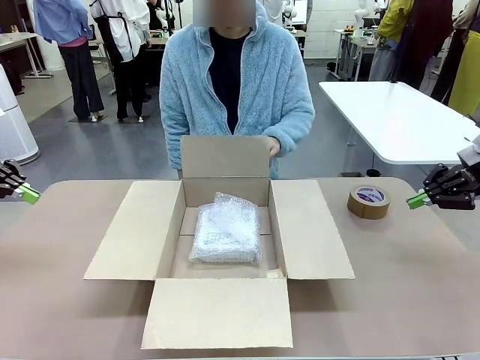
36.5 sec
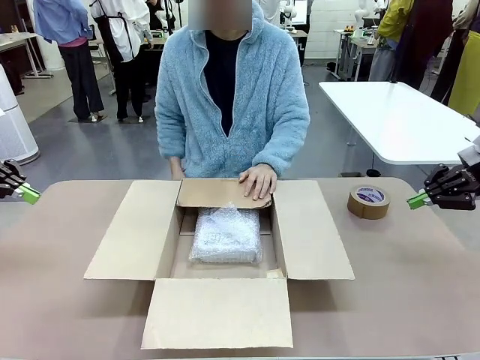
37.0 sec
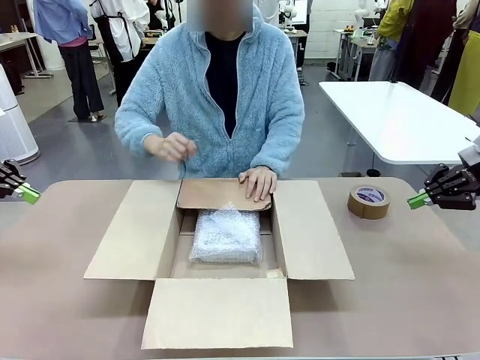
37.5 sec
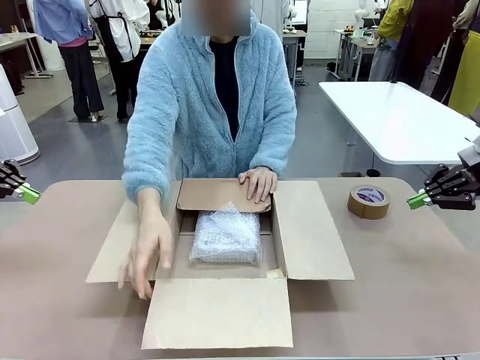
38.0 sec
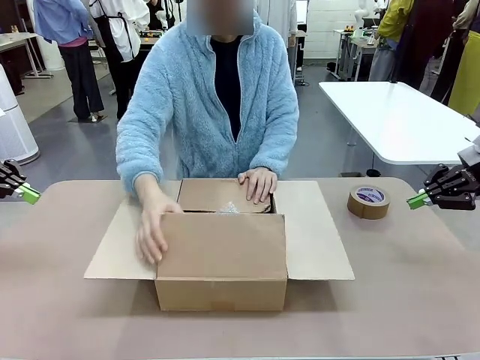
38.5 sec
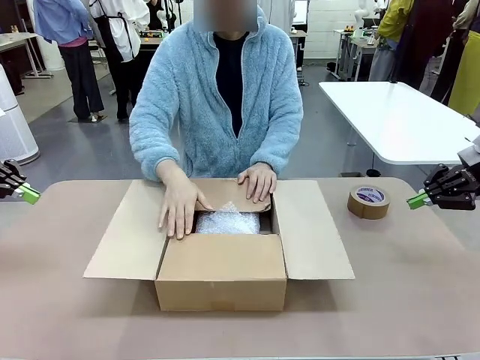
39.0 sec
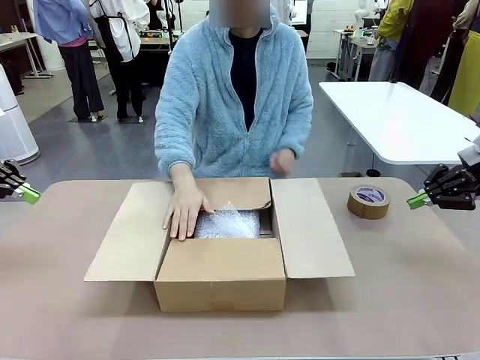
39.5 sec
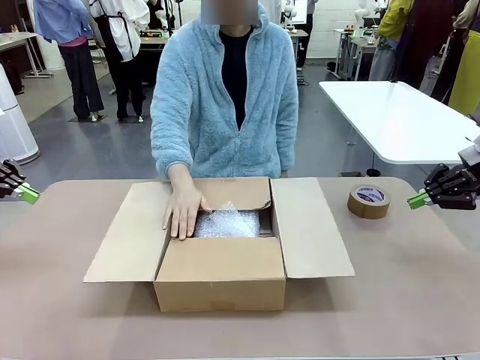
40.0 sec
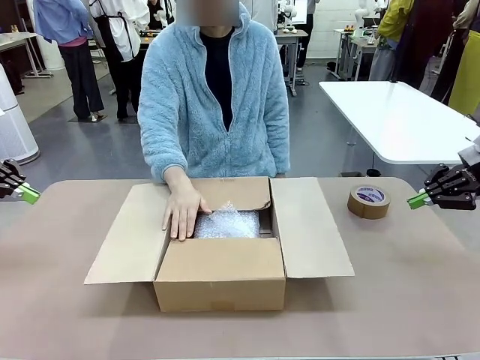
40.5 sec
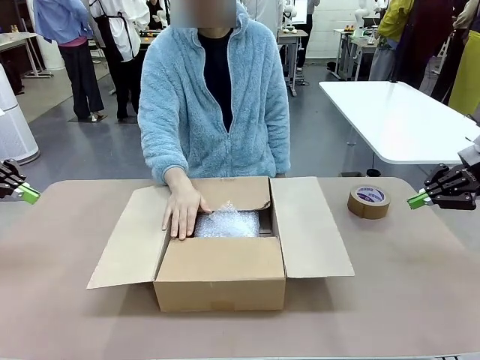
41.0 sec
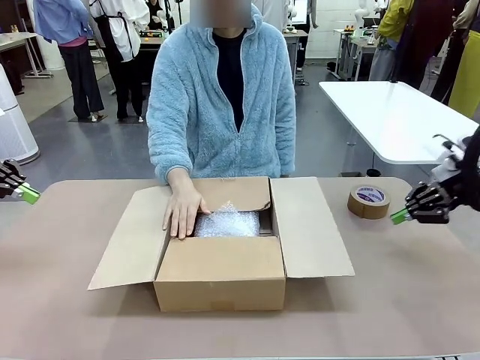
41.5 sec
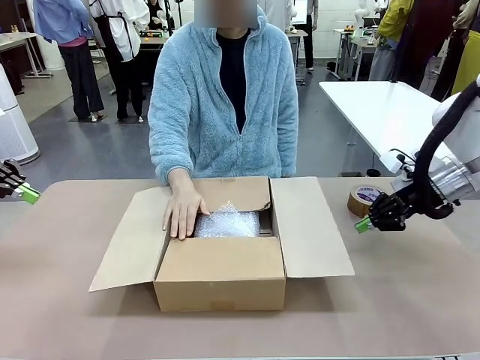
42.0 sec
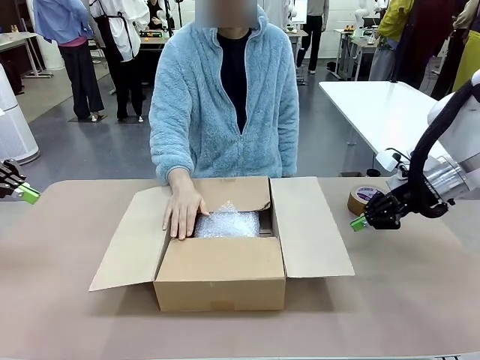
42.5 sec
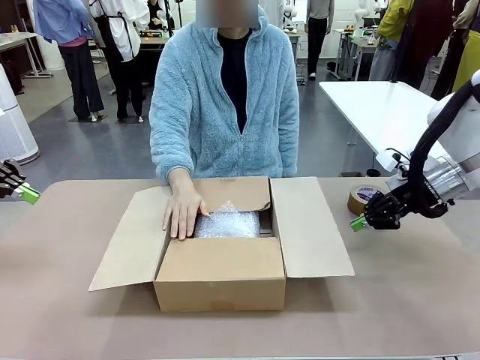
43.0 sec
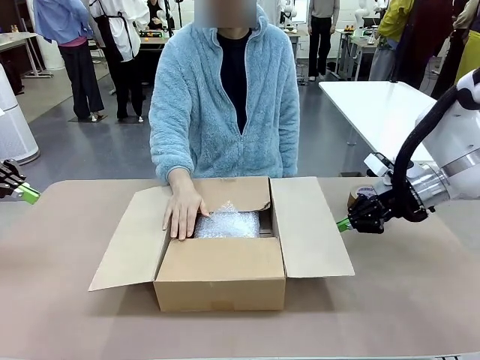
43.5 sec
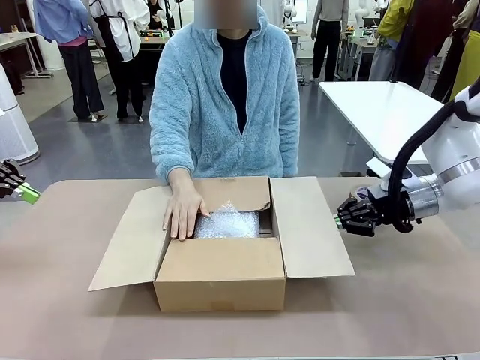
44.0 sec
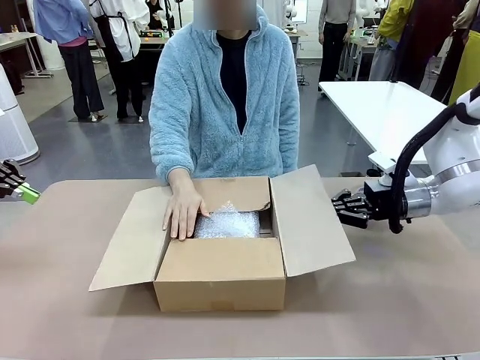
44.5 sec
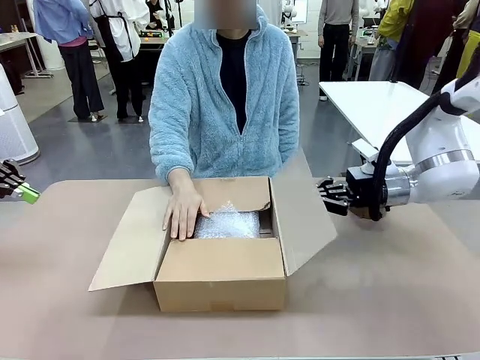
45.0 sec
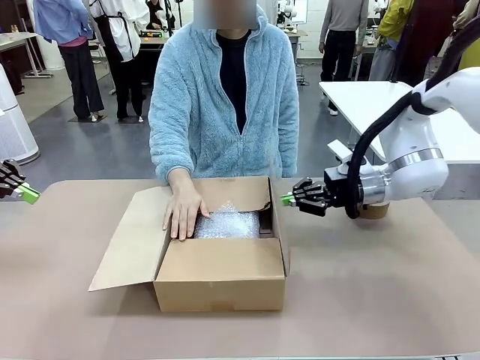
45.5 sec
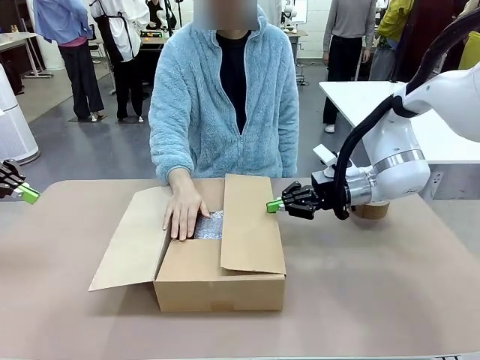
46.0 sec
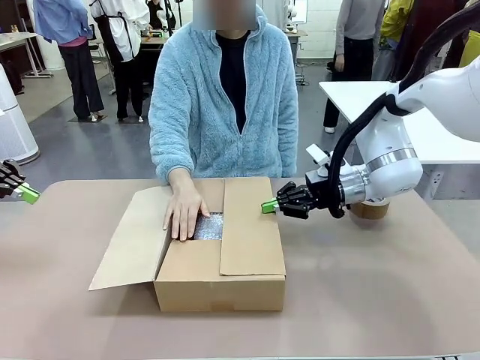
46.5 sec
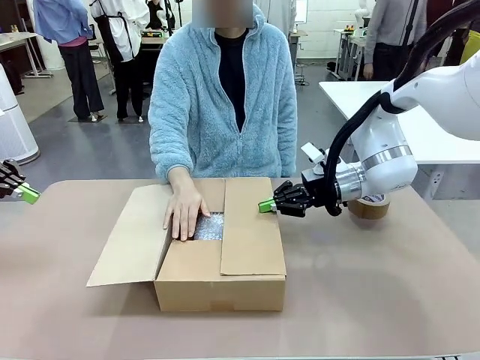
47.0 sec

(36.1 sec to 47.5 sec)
Task: Wrap the clocks to prevent damage.
Robot: Push the right (or left) flap of the Package Box to close it.
Person: Once the robot closes the right flap of the Package Box , release your left hand from the box.

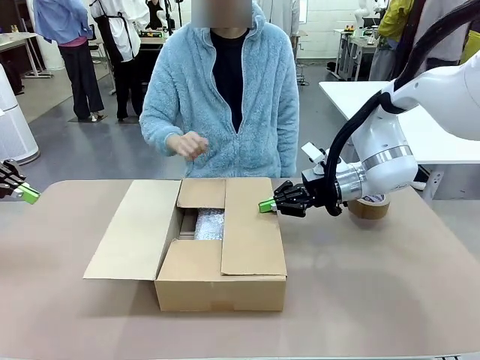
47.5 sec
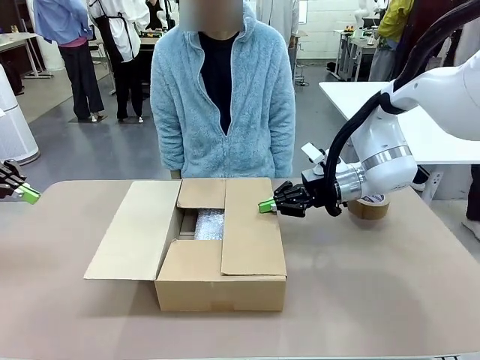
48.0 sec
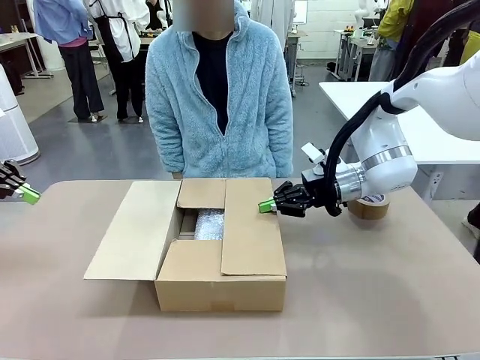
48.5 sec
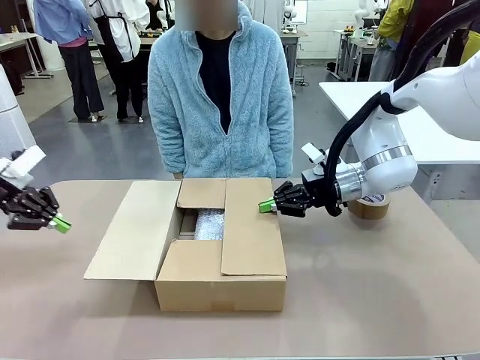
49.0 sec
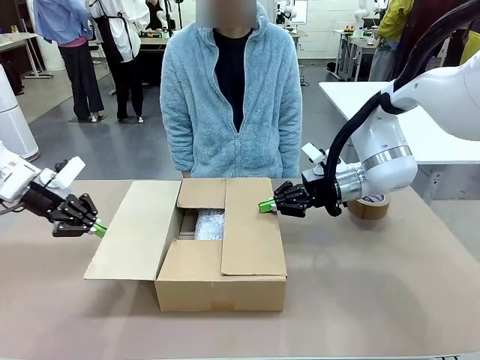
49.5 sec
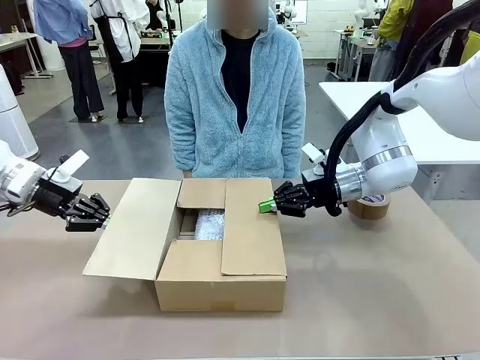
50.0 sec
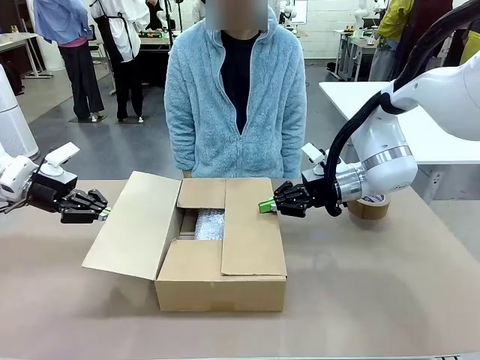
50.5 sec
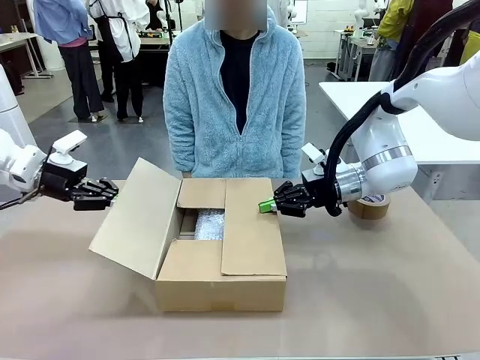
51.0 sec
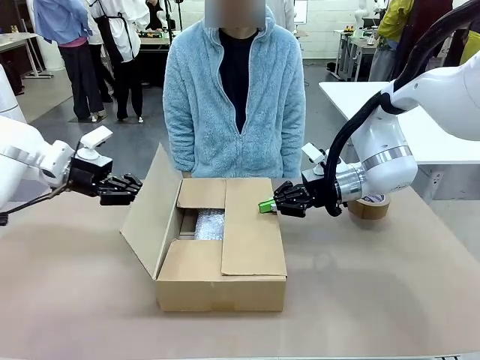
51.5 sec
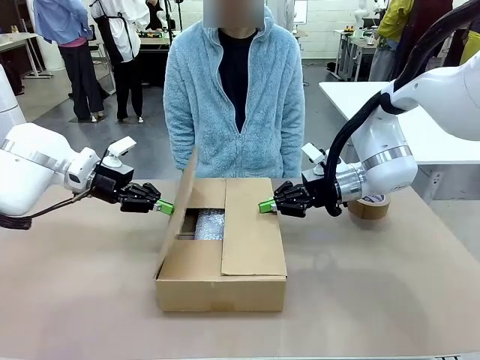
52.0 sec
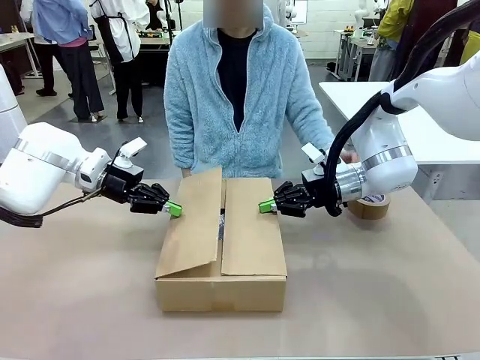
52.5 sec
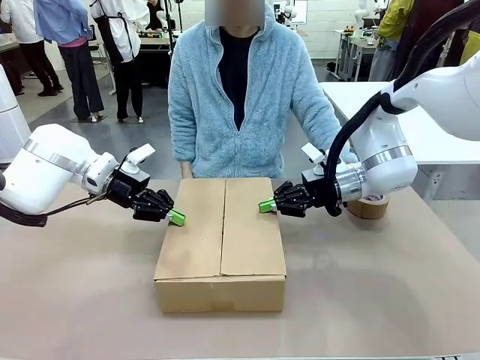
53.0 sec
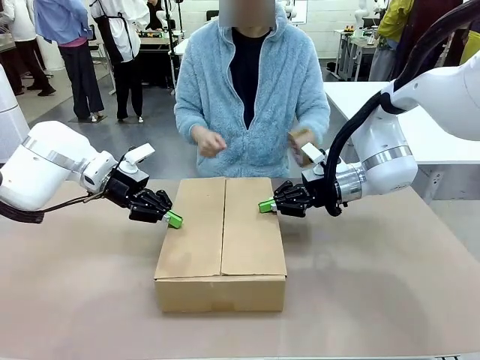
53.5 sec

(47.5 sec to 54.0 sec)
Robot: Push the left (or right) flap of the Package Box to close it.

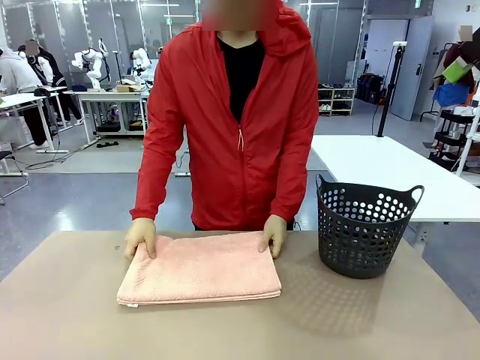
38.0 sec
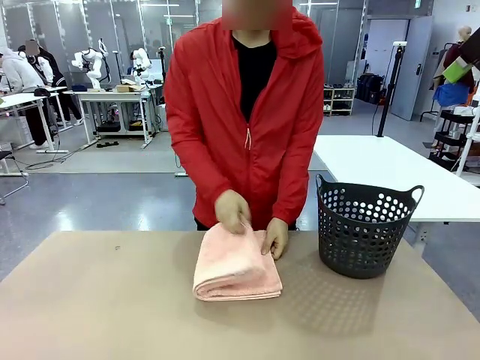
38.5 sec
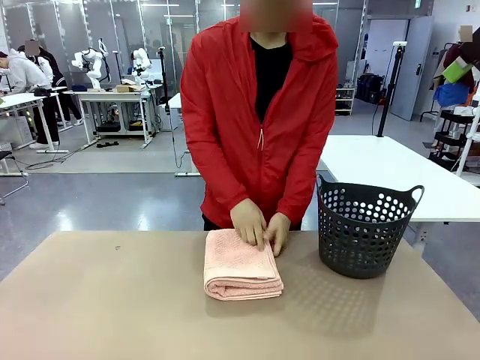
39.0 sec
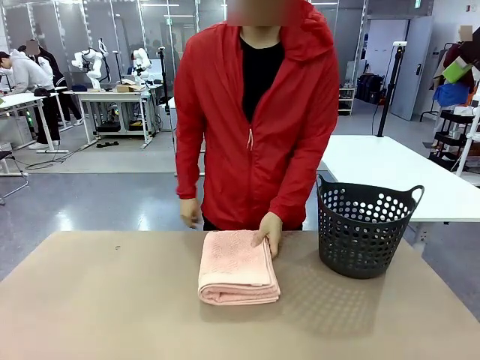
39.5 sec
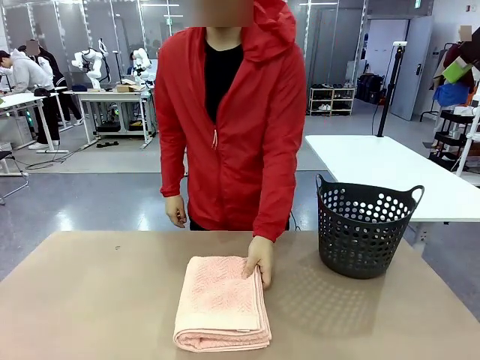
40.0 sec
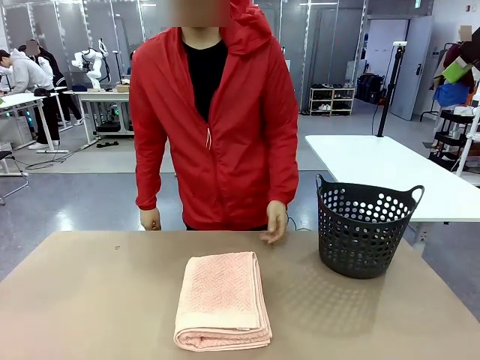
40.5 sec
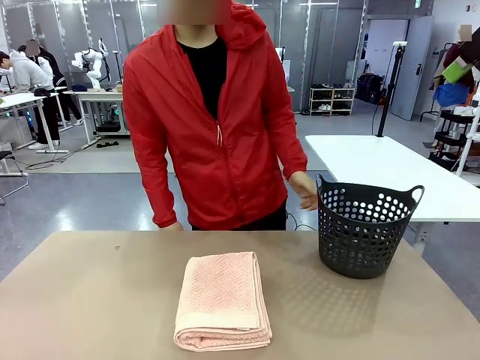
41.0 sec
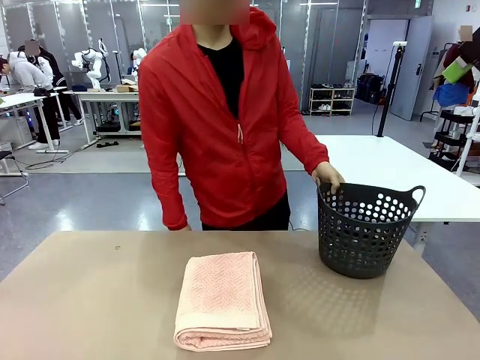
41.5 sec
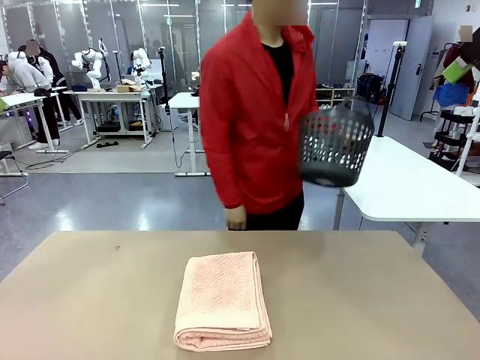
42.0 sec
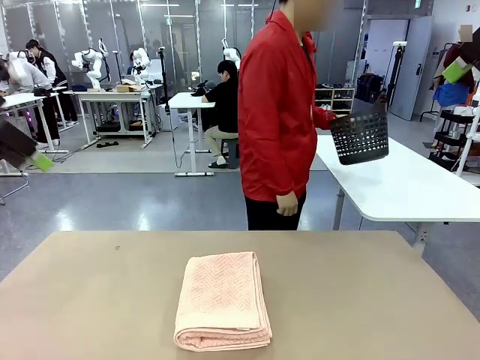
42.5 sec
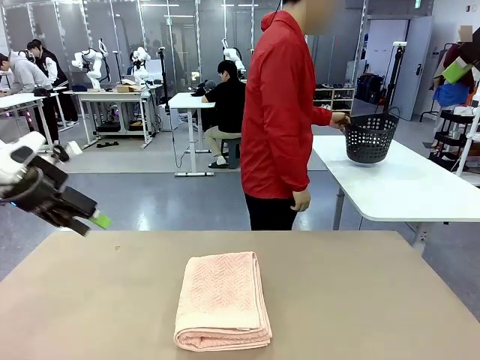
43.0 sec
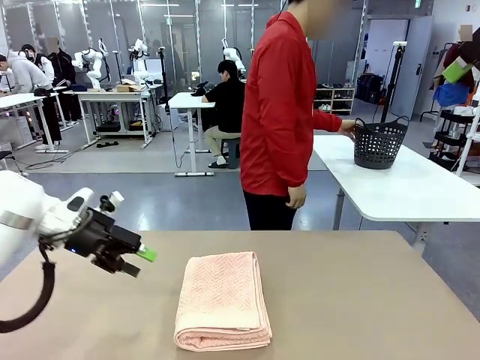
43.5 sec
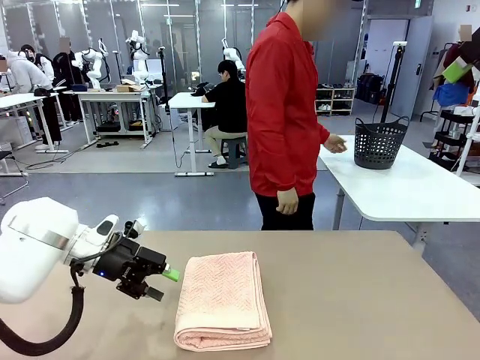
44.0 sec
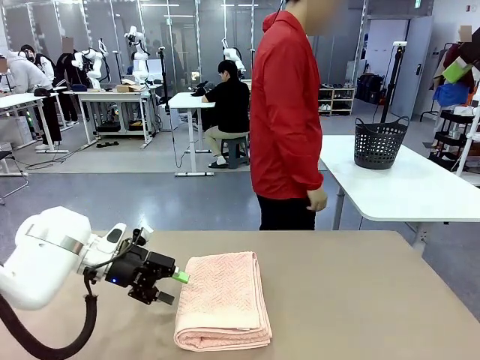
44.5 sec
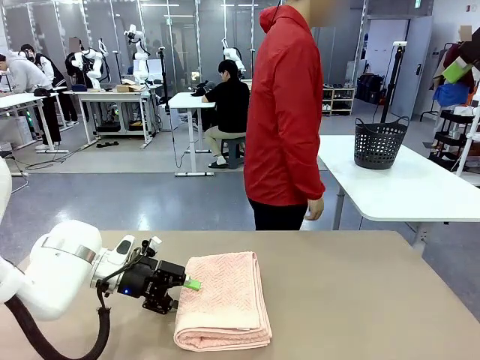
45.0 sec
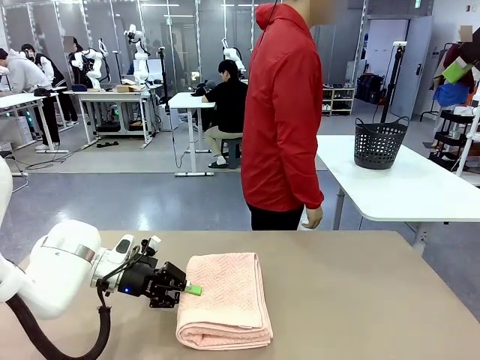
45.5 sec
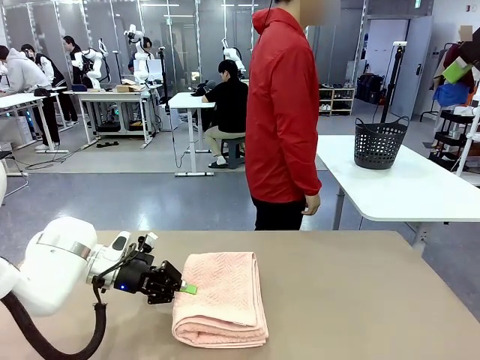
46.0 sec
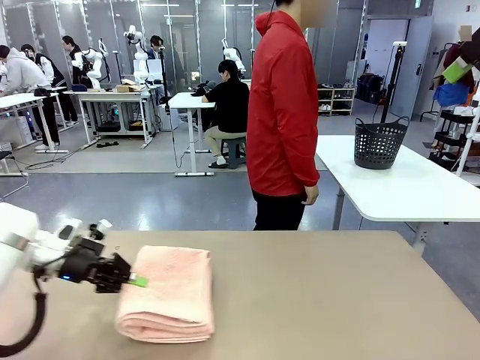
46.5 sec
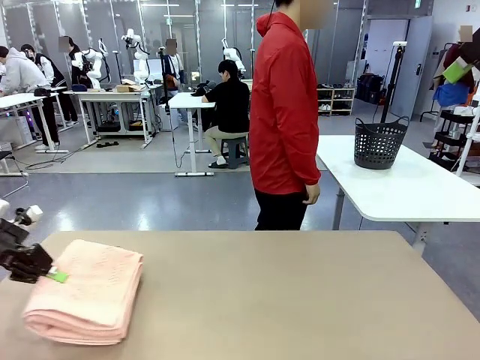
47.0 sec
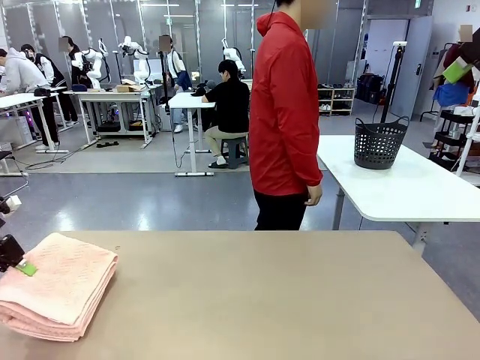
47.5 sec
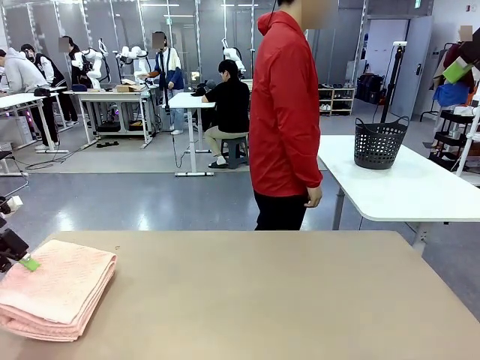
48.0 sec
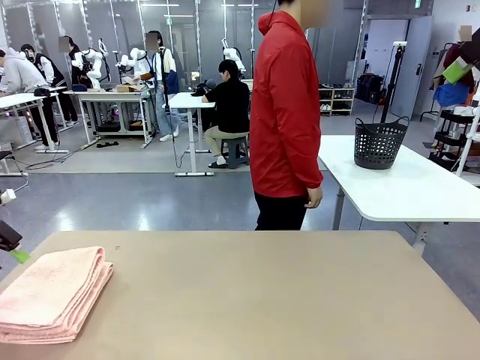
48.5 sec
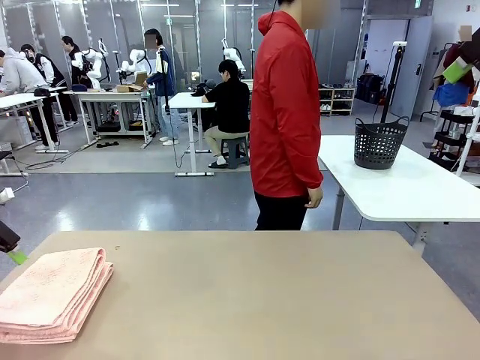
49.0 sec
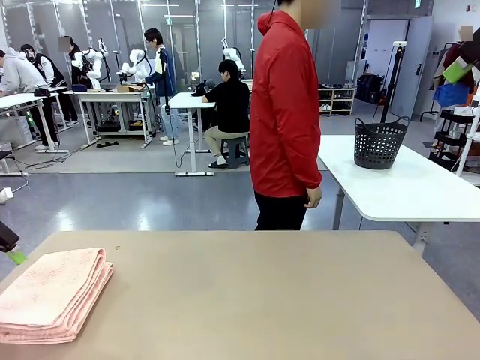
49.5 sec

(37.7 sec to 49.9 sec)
Task: Fold the towel.
Robot: Pick up the 100 cm Hotel Towel and place it on the left side of the table.
Person: Pick up the laundry basket and place it at the center of the human table.
